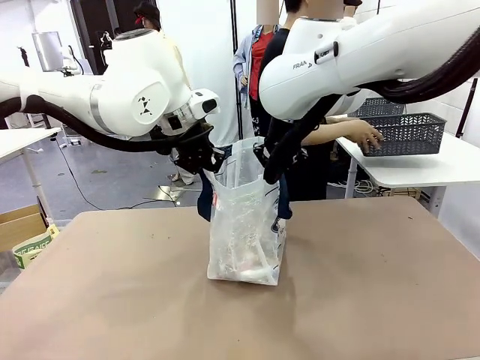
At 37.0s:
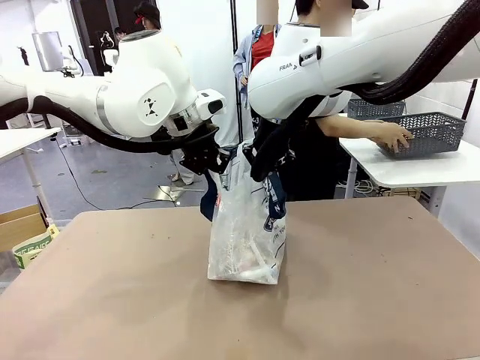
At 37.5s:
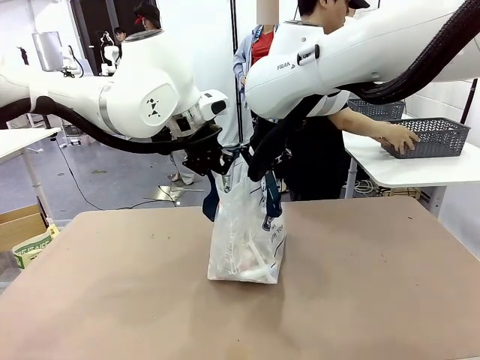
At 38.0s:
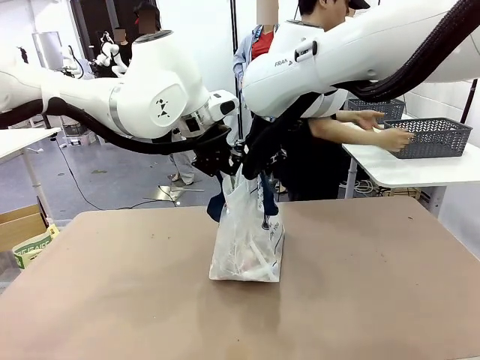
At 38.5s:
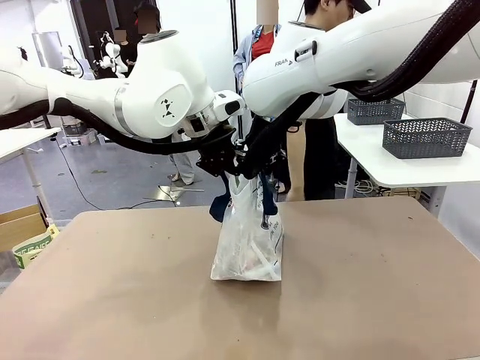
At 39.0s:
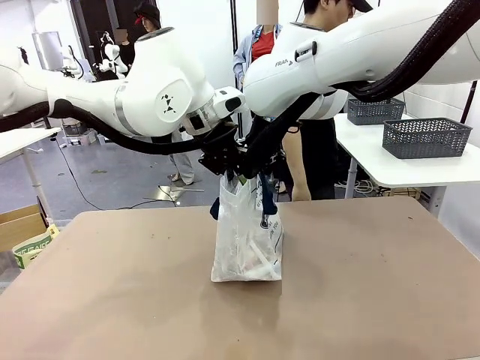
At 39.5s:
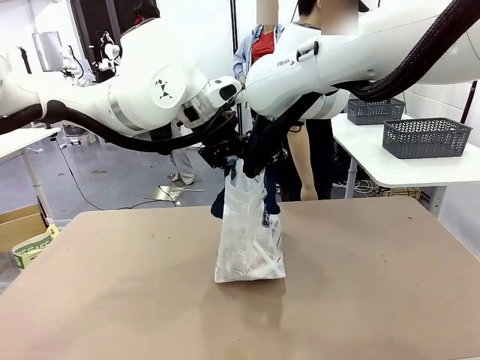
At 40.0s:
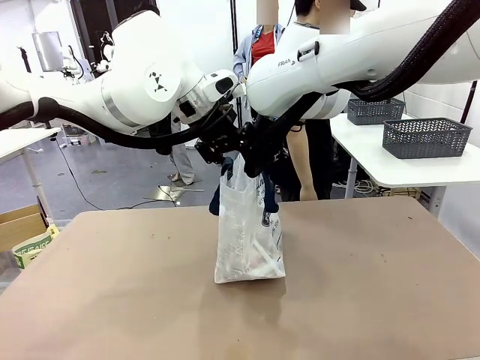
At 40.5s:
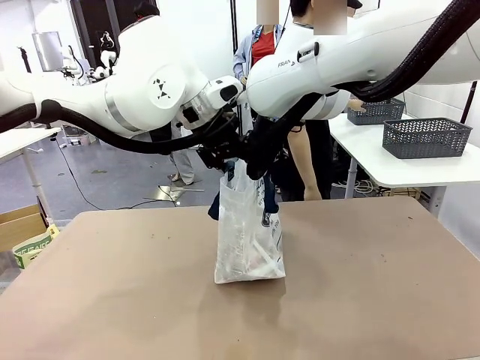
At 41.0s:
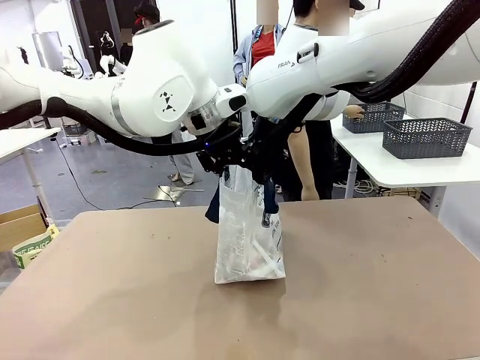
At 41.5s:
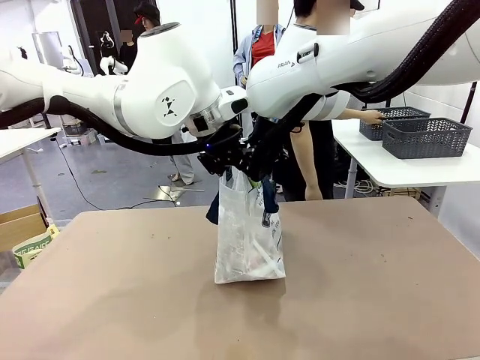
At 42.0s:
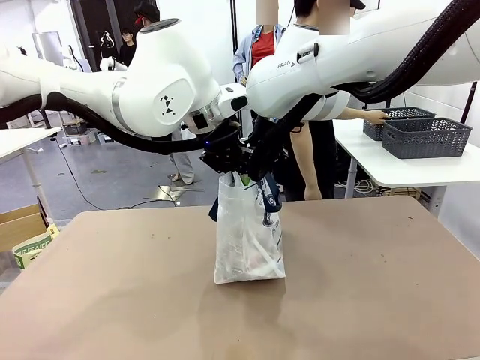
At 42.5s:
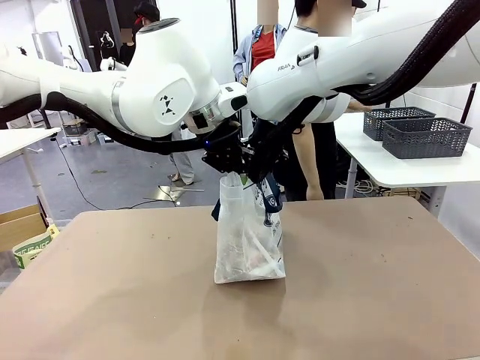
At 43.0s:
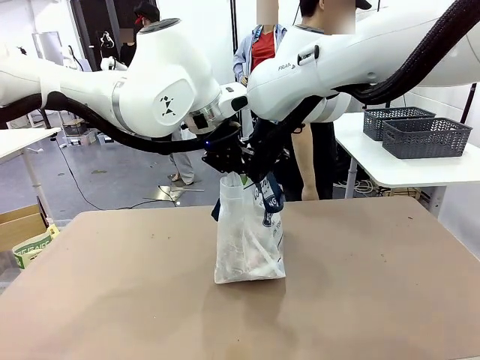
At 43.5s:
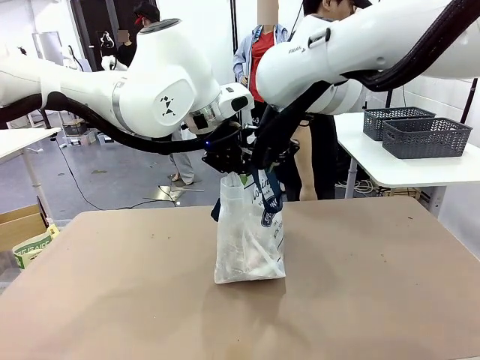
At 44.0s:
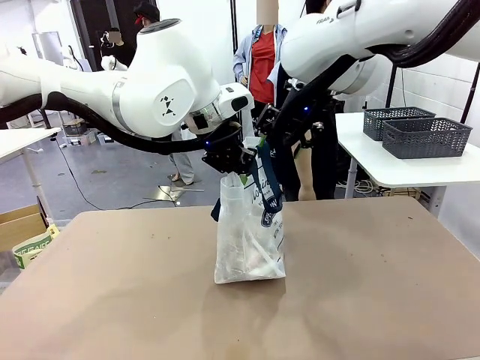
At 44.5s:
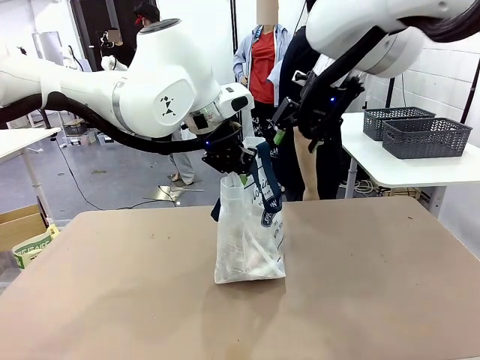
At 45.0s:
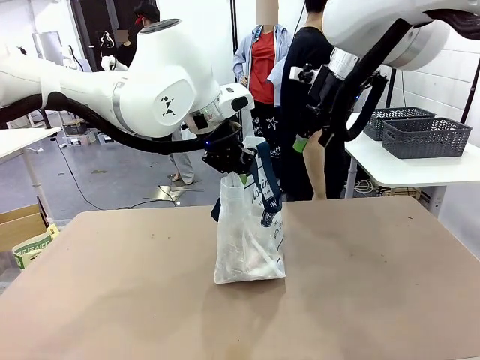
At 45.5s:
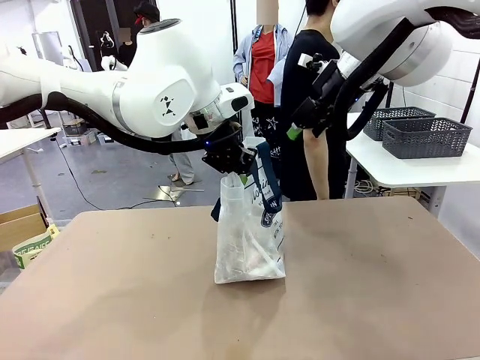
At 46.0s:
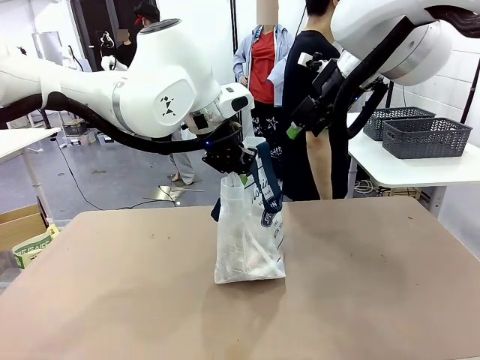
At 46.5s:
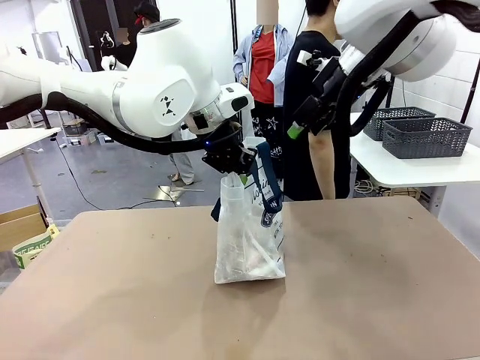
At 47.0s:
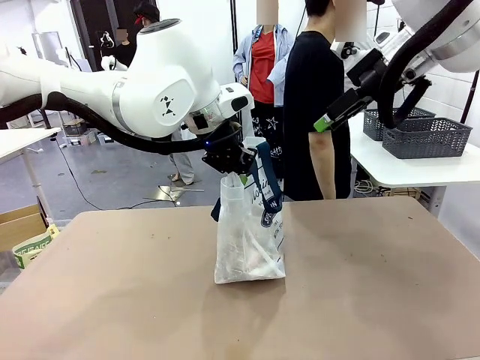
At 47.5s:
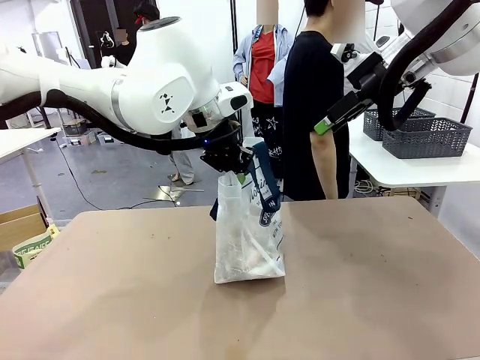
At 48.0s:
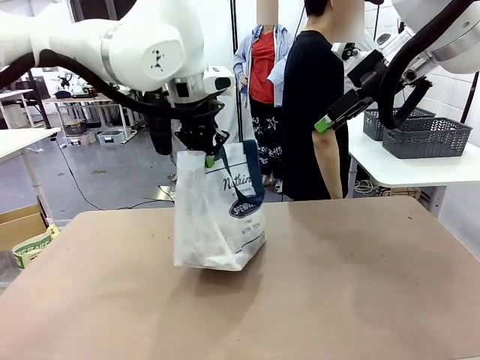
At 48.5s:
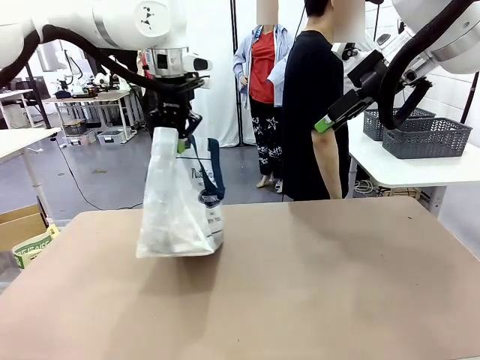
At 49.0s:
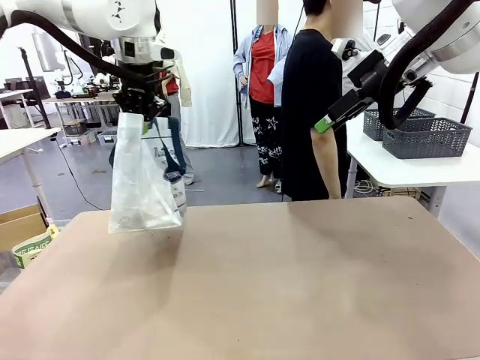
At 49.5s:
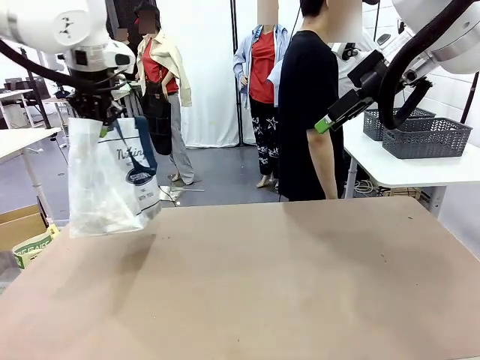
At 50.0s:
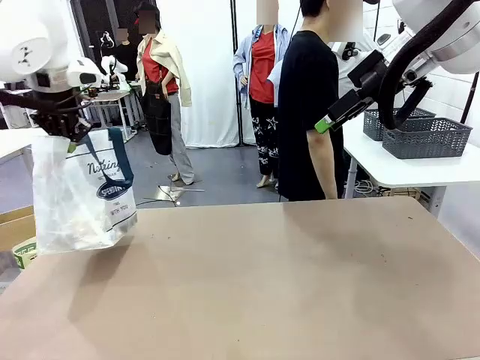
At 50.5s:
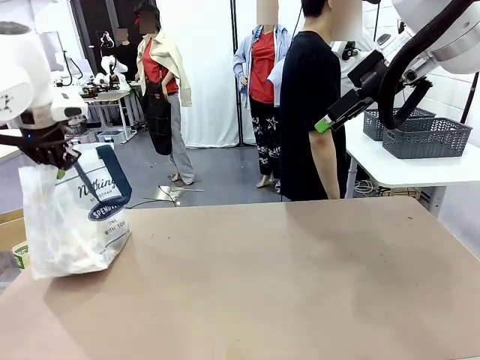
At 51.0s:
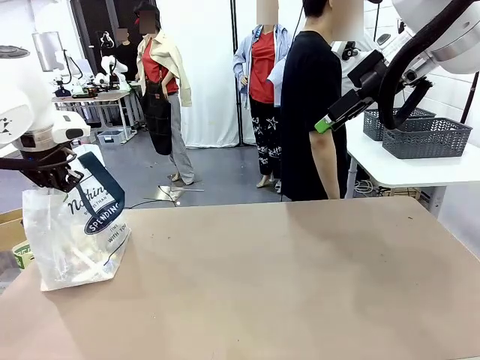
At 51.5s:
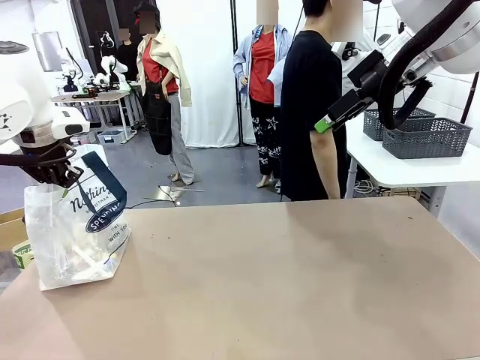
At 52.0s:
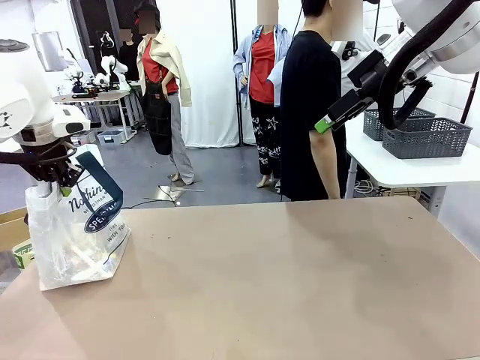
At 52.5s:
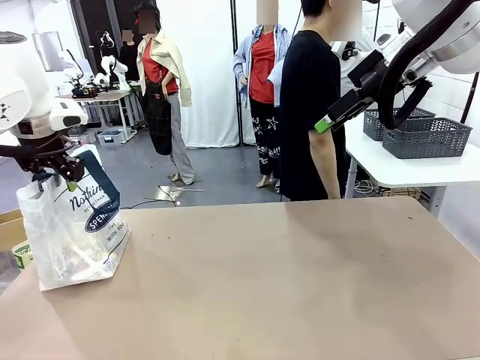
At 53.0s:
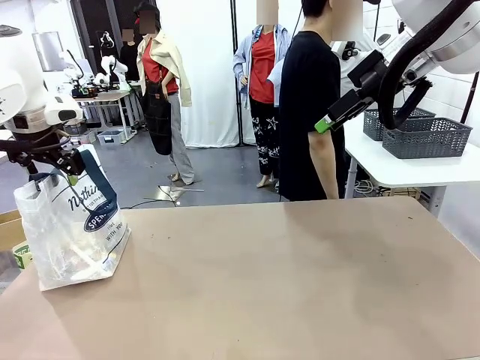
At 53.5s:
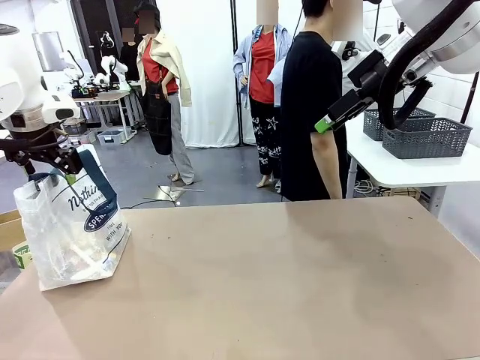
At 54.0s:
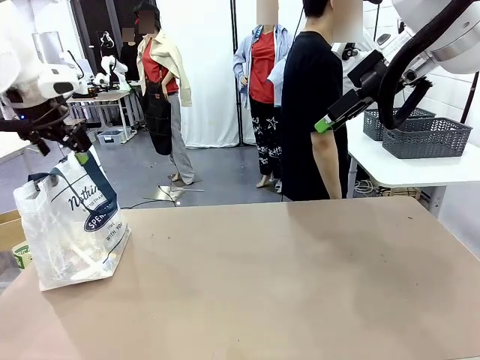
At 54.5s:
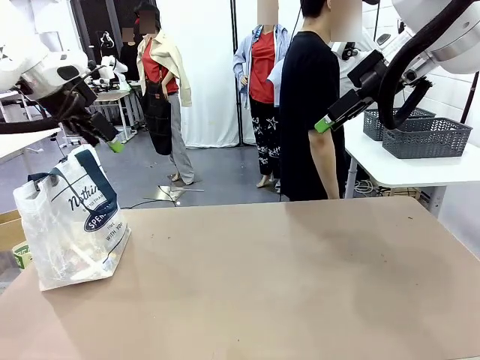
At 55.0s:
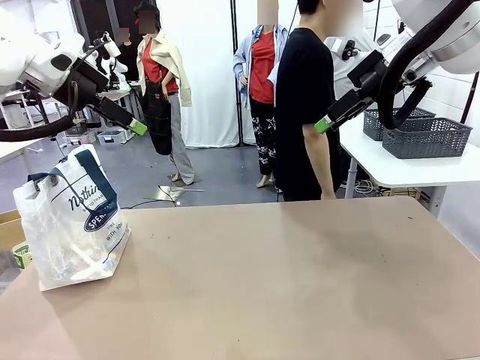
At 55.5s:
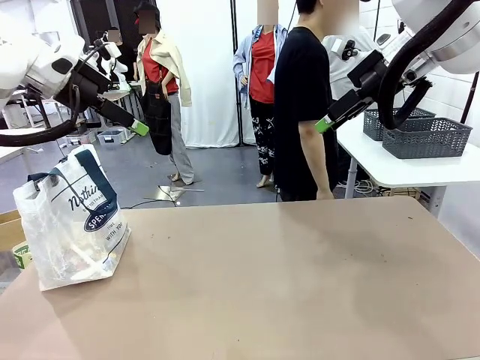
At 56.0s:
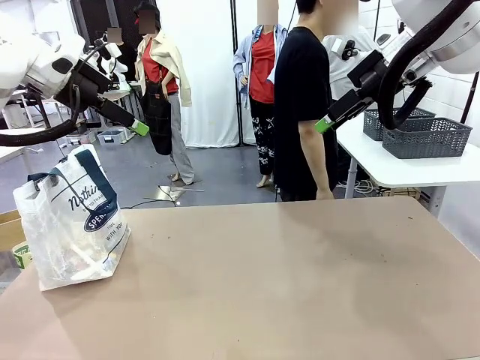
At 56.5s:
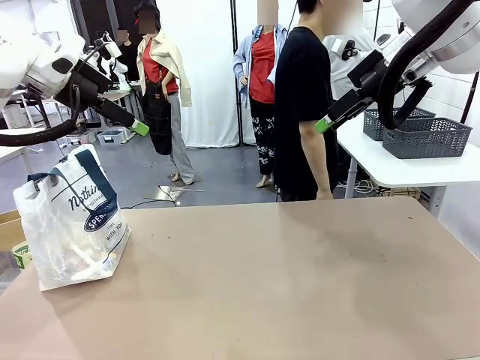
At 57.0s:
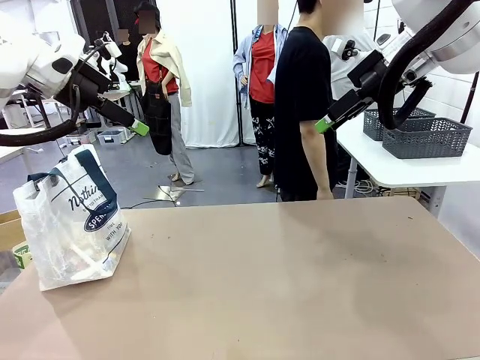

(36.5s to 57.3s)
Task: Transfer purchased items from the store into the shopping bag.
Robot: Move the Reusable shopping bag to the right side of the table.
Person: Move the basket on the left to the middle of the person's table.

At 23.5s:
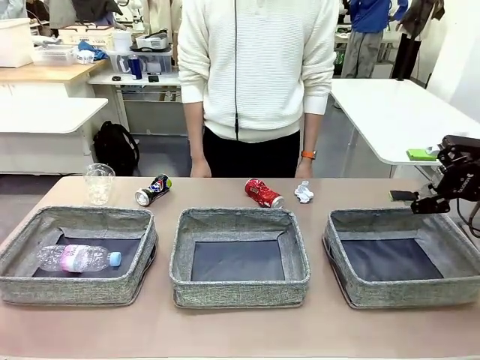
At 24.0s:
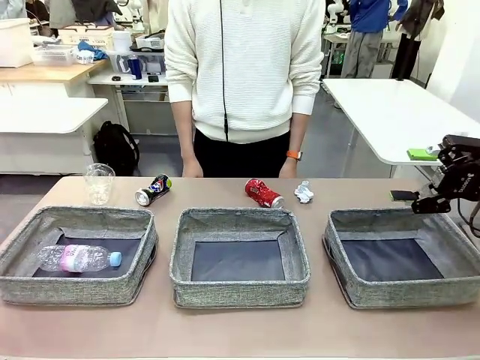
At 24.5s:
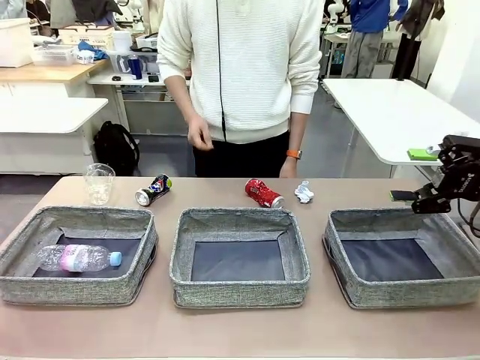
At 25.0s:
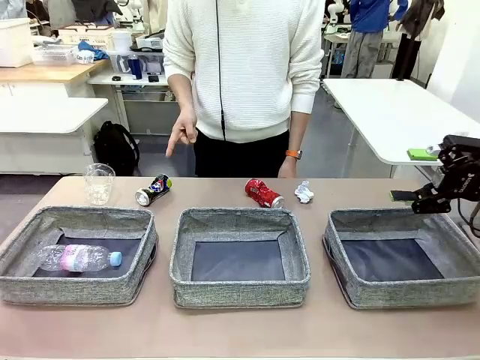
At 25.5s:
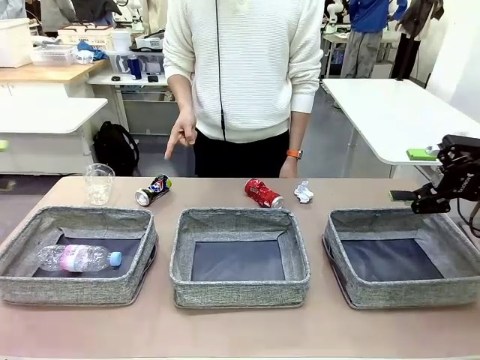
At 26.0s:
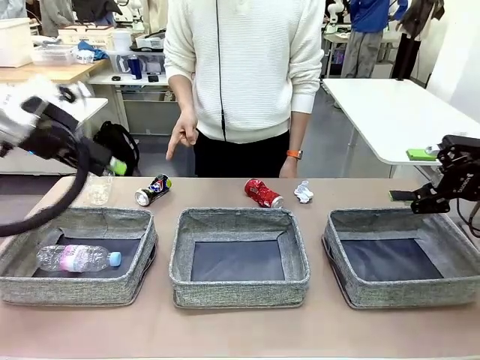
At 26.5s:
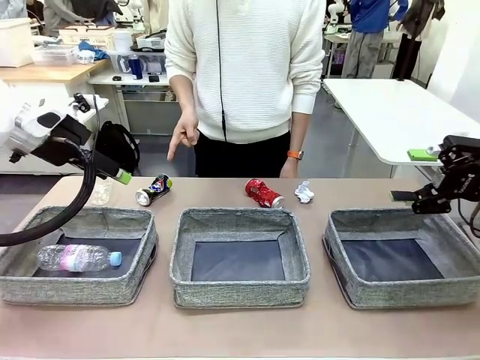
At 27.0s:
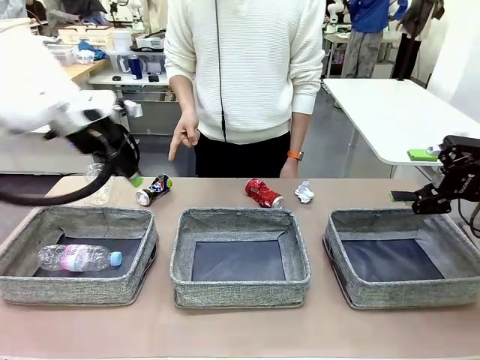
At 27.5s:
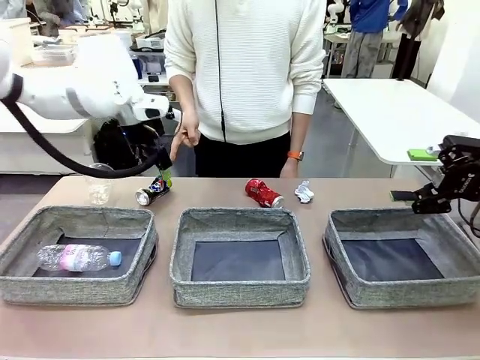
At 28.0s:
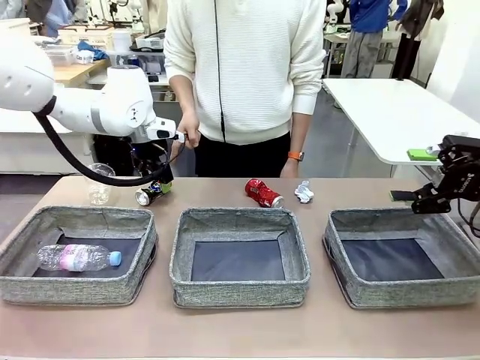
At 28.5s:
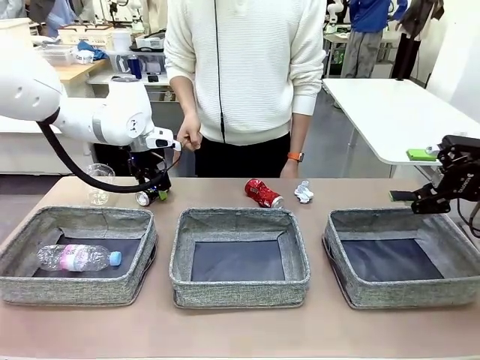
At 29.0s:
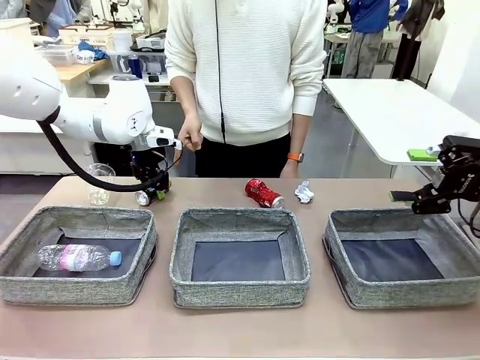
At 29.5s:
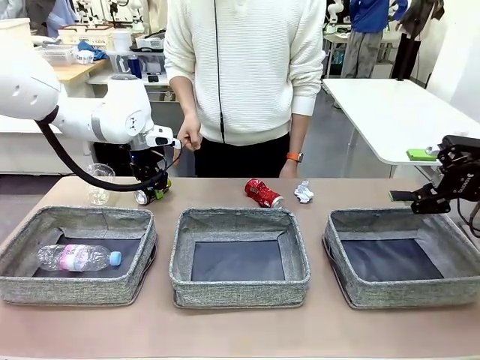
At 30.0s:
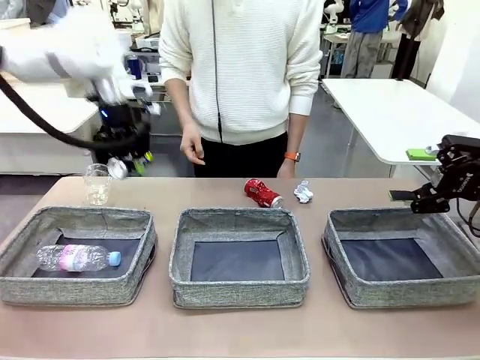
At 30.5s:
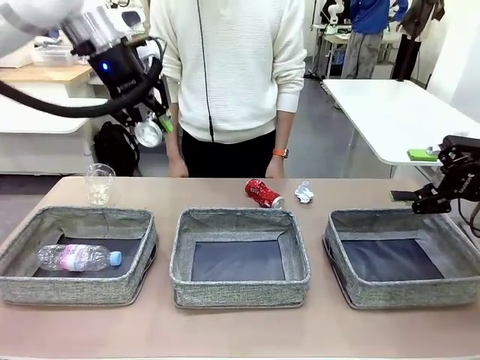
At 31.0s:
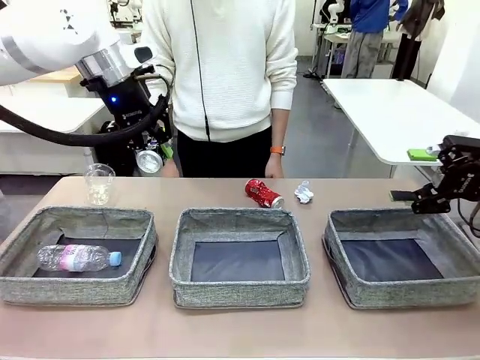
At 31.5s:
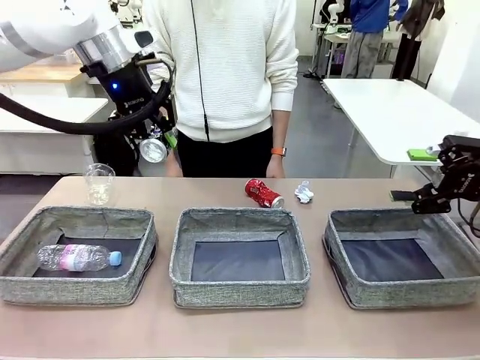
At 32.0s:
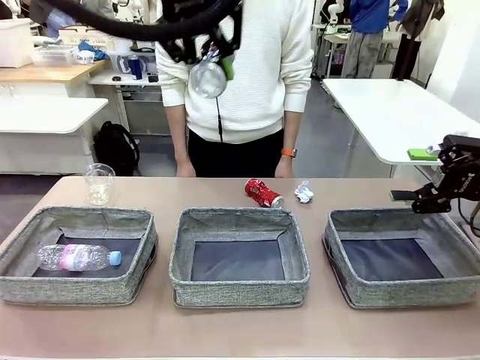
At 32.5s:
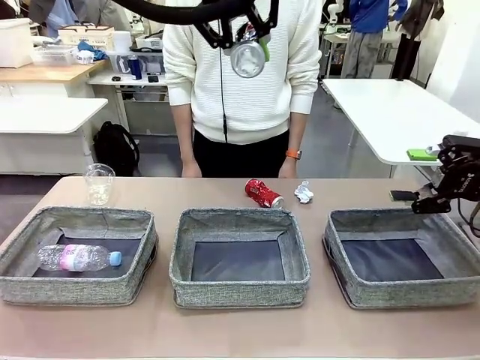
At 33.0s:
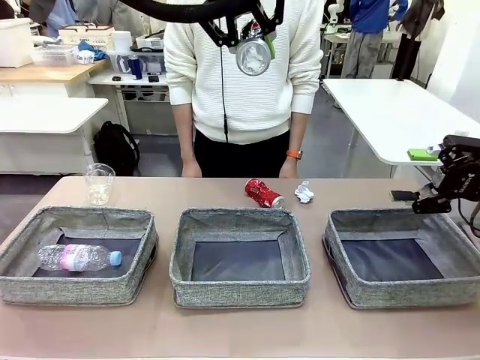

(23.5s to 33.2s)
Task: Sort the waste into the appropriate baskets.
Robot: Pick up the waste item pointed out by the person.
Person: Points to one piece of trash on the table.
